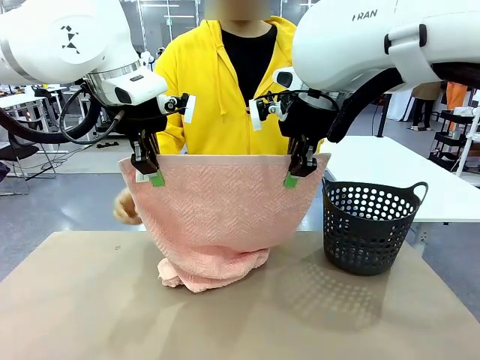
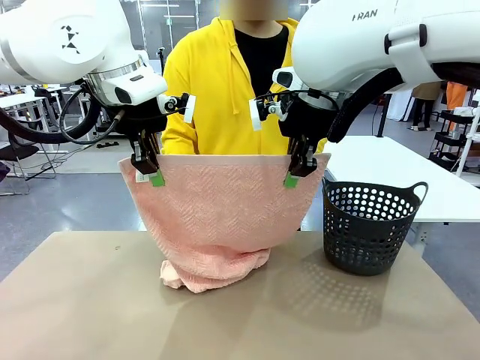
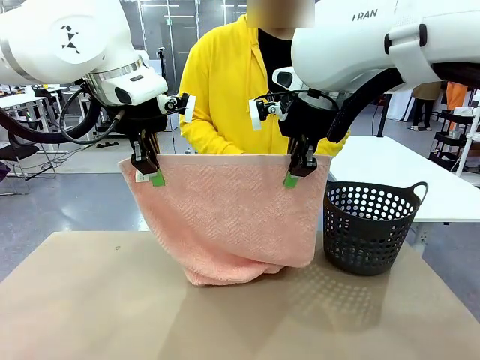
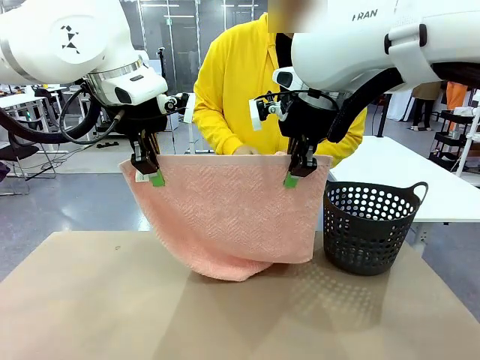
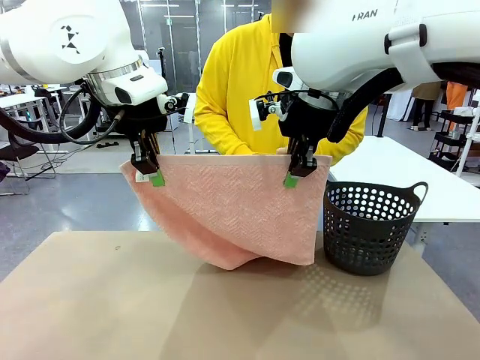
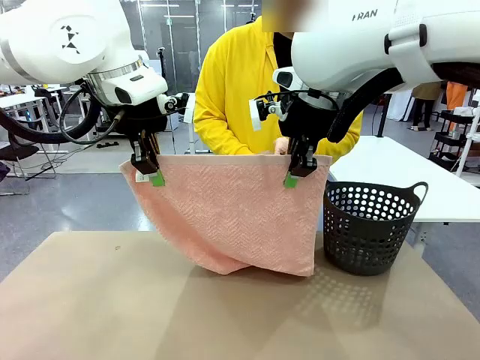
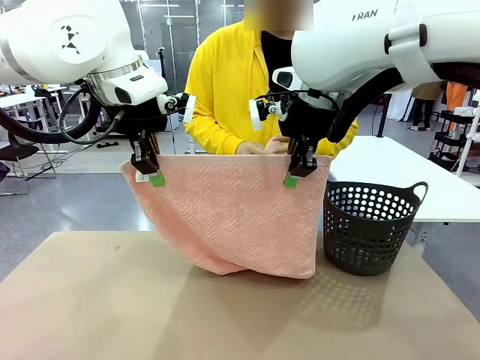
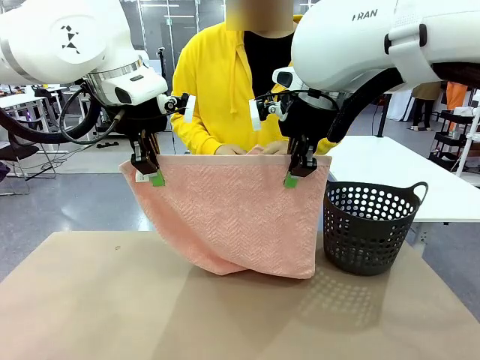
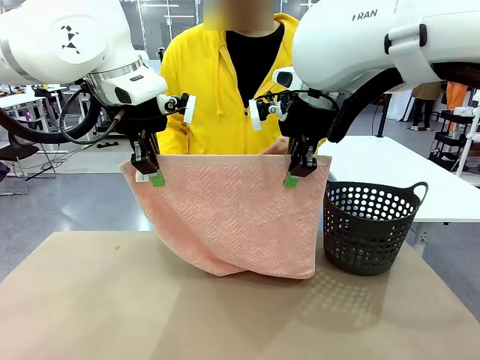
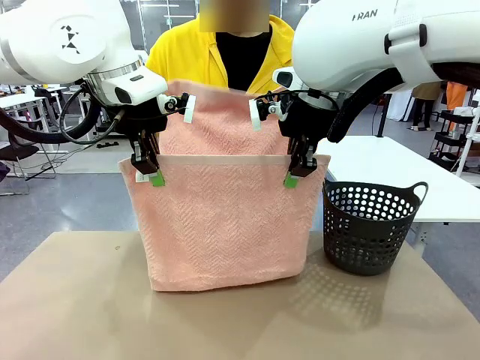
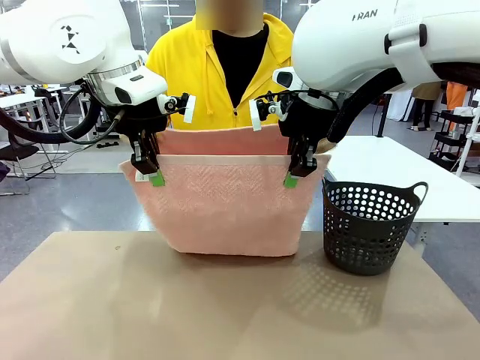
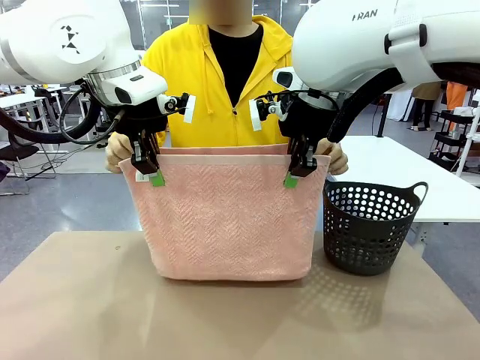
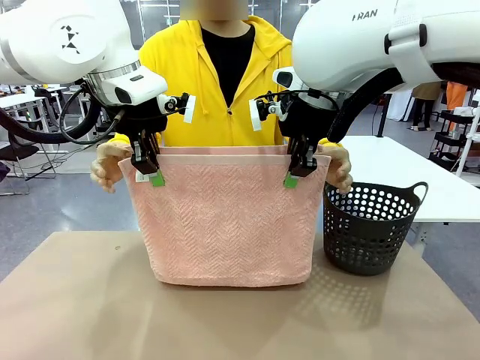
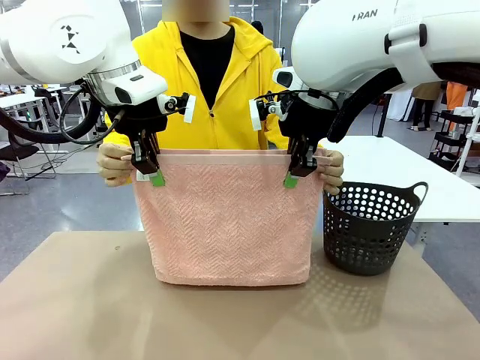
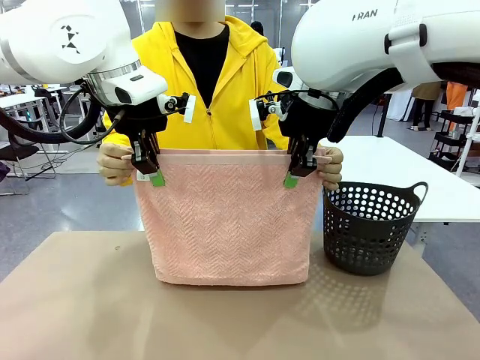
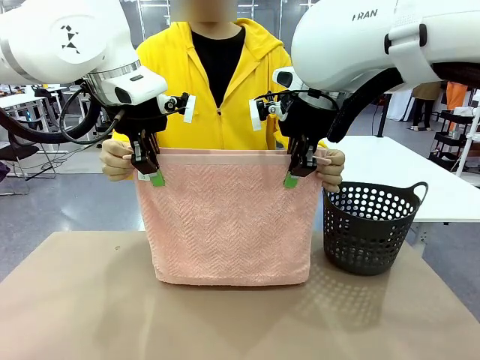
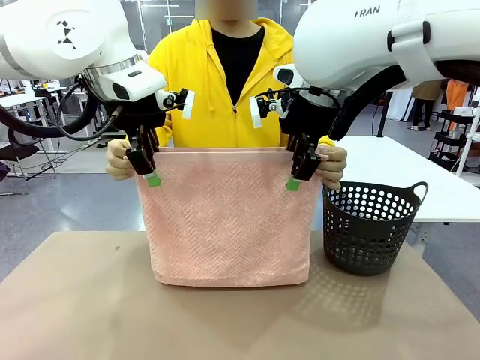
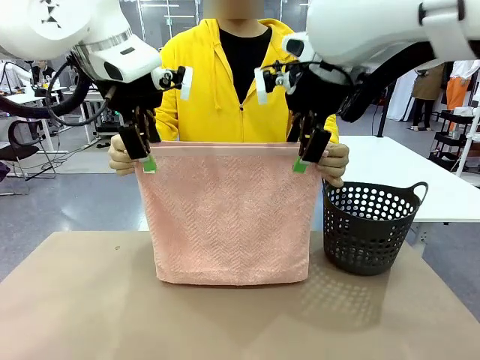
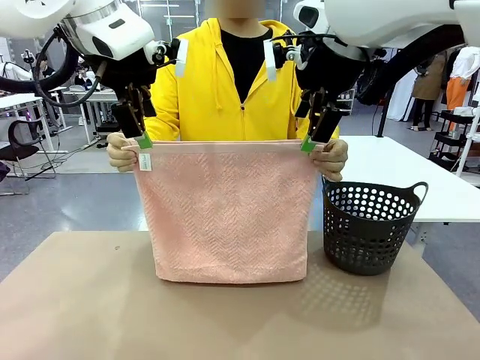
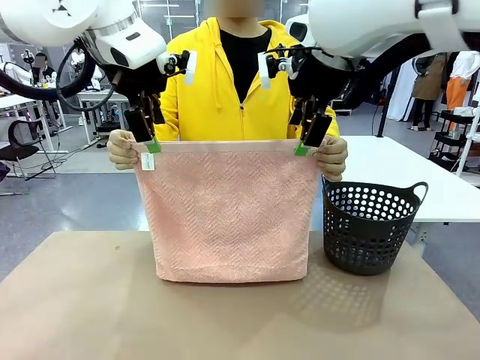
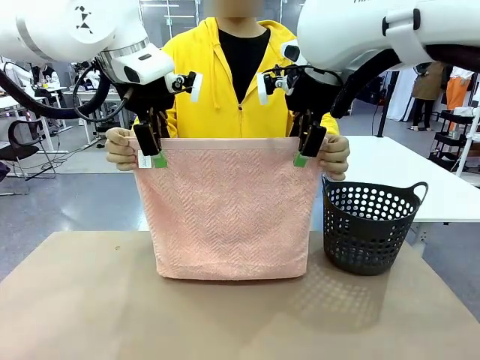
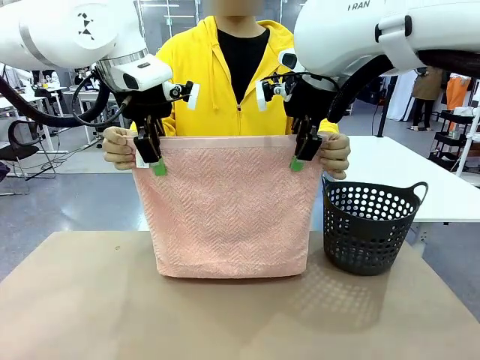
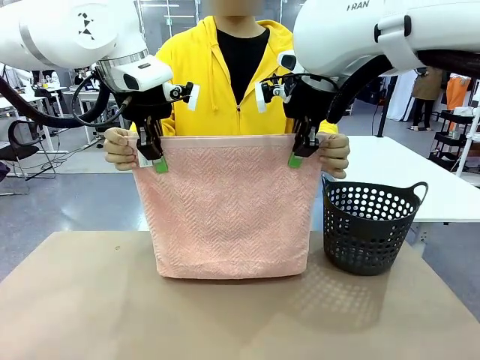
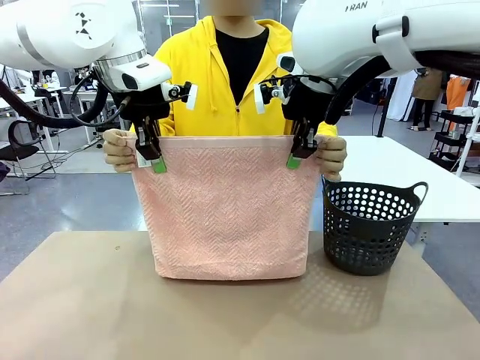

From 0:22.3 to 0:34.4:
Task: Fold the towel.
Robot: Release the end of the 100 cm Hotel Towel you were holding and grab the top end of the folded side.
Person: Using the point held by the robot as a reference, grasp the opposite end, fold the towel in half, and then hold both ends of the folded towel.

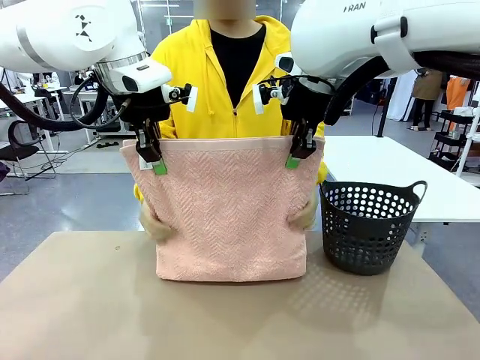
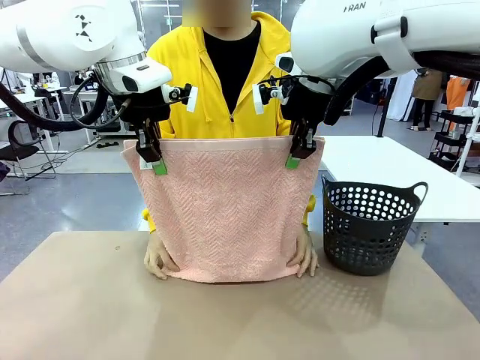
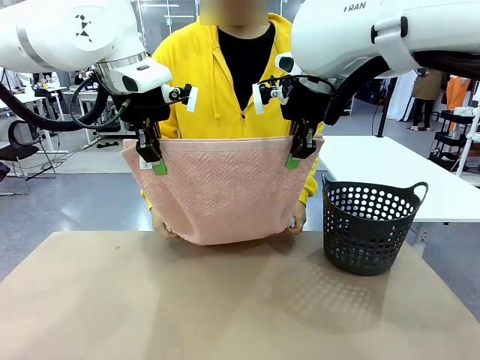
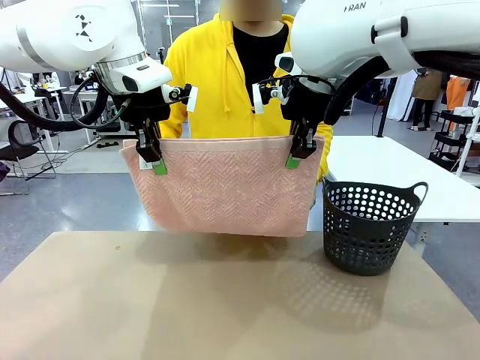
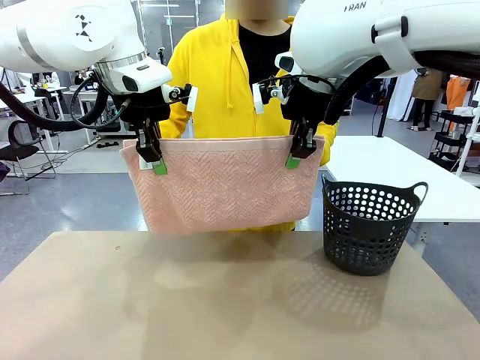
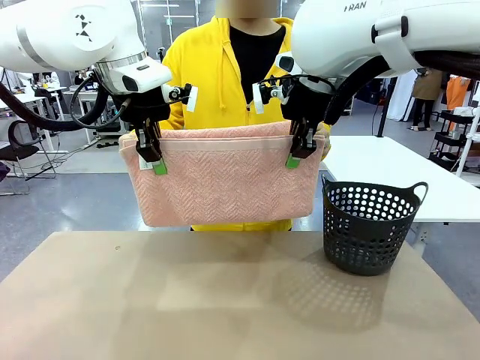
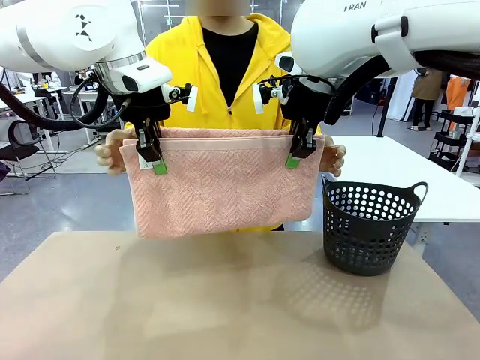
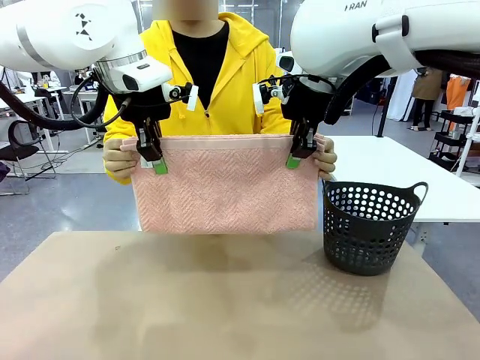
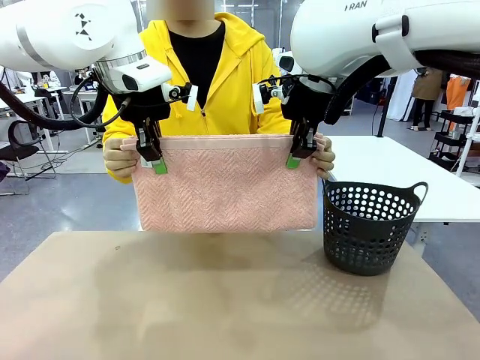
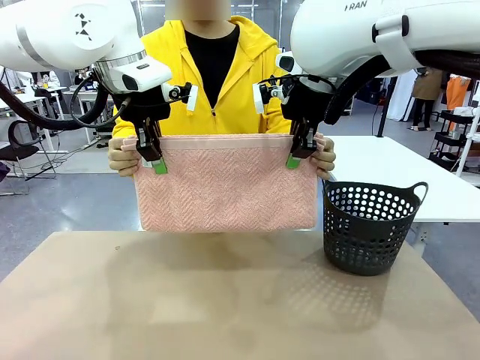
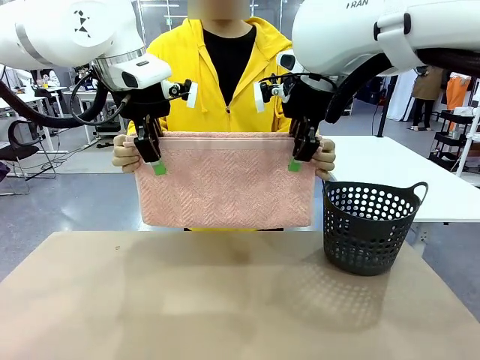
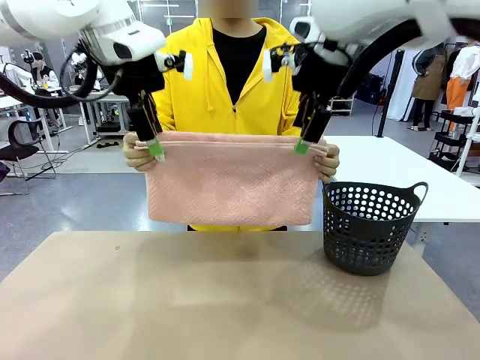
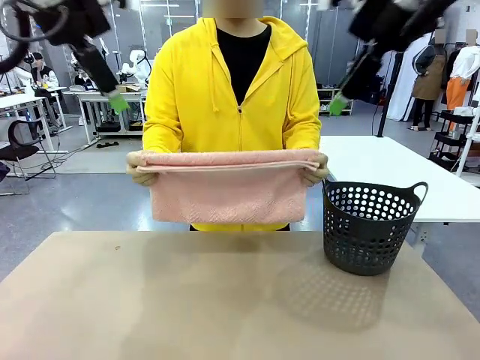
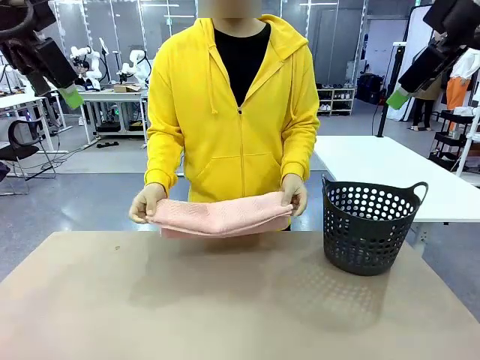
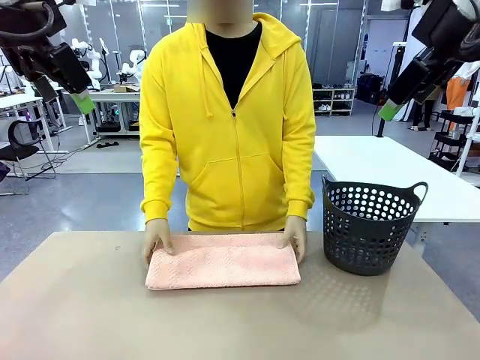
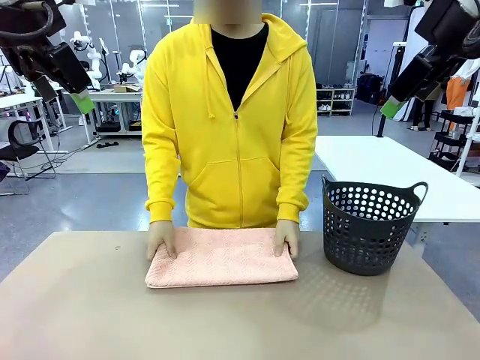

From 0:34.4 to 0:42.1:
Robot: Release the end of the 100 cm Hotel Towel you were holding.
Person: Place the towel at the center of the robot table and fold it in half.
